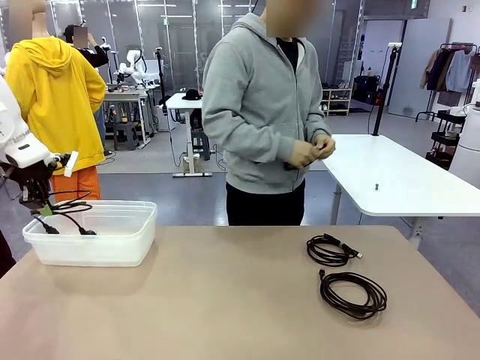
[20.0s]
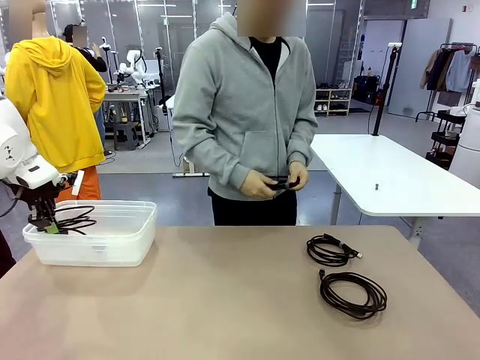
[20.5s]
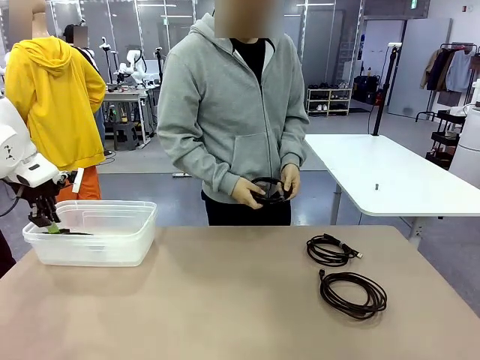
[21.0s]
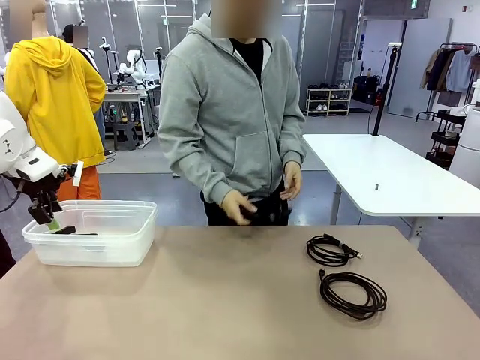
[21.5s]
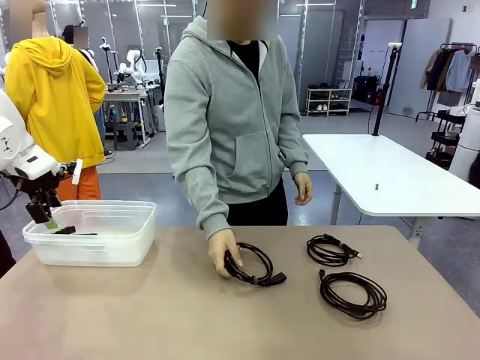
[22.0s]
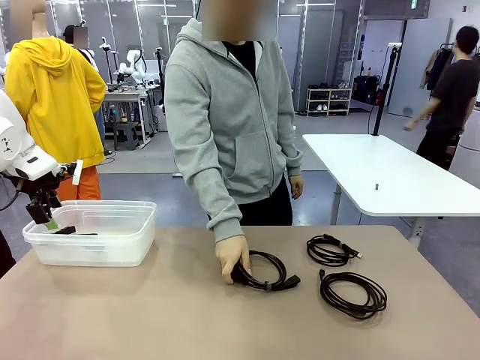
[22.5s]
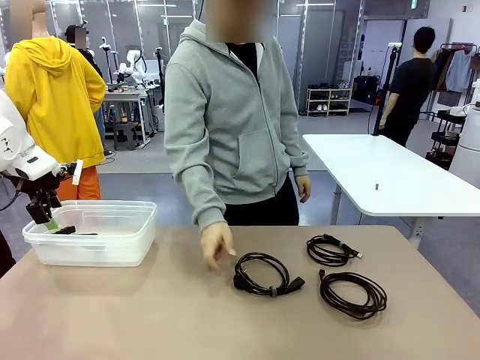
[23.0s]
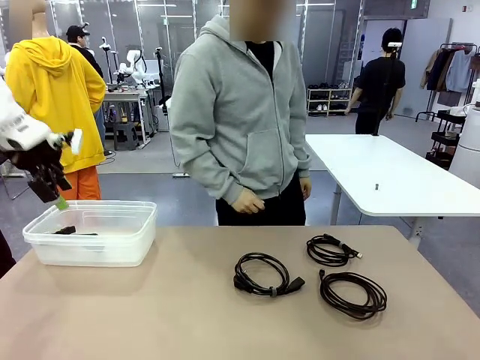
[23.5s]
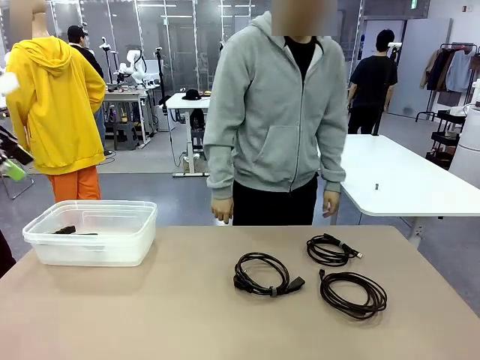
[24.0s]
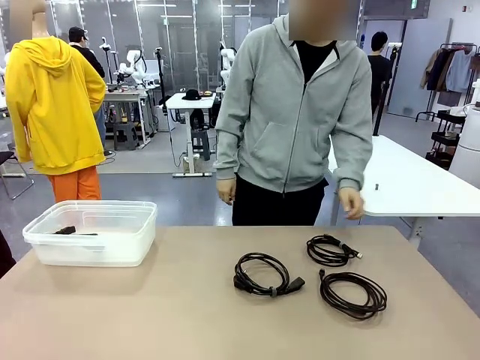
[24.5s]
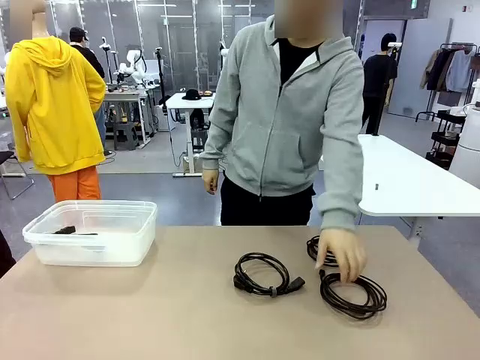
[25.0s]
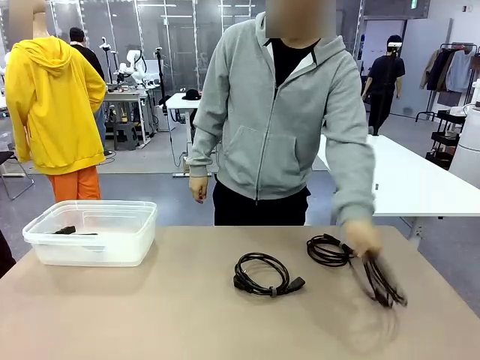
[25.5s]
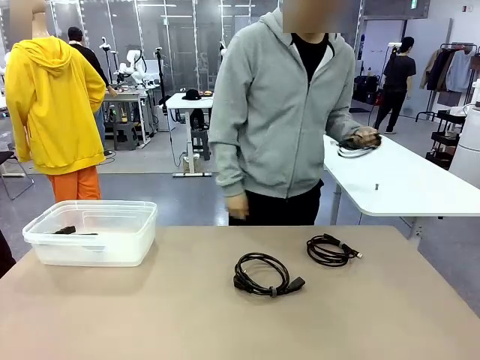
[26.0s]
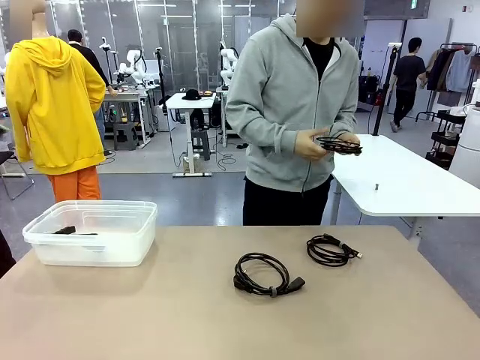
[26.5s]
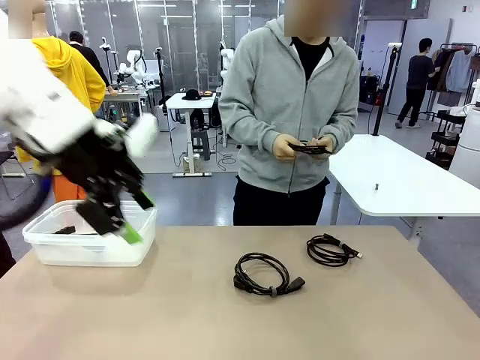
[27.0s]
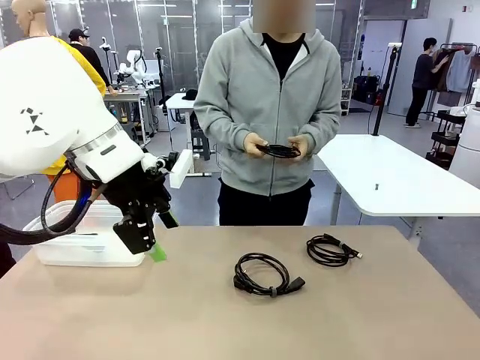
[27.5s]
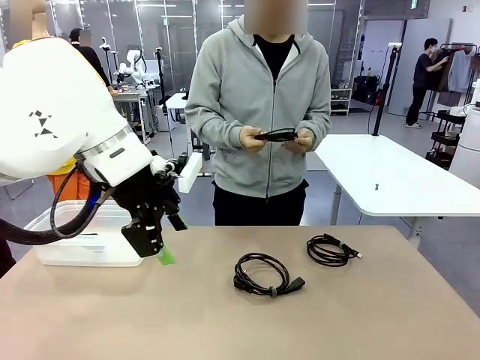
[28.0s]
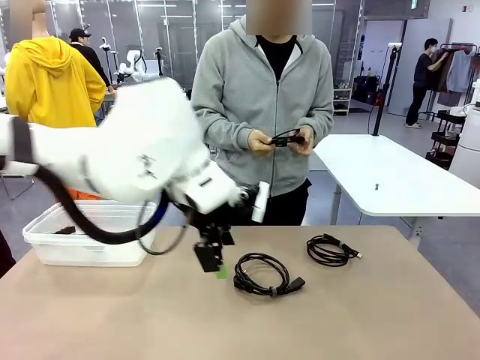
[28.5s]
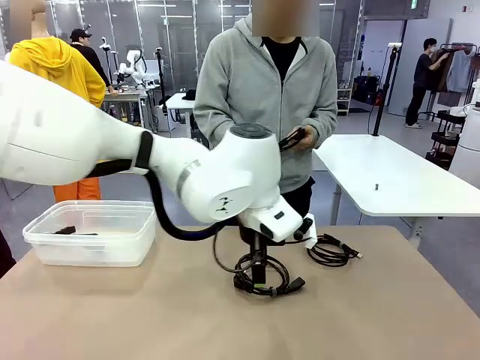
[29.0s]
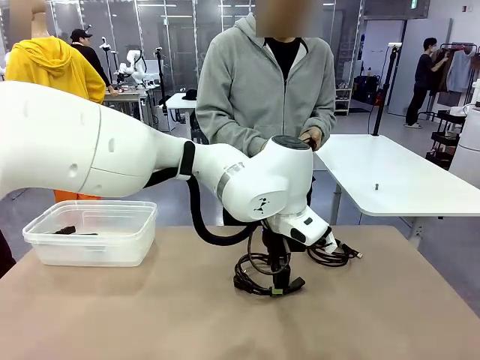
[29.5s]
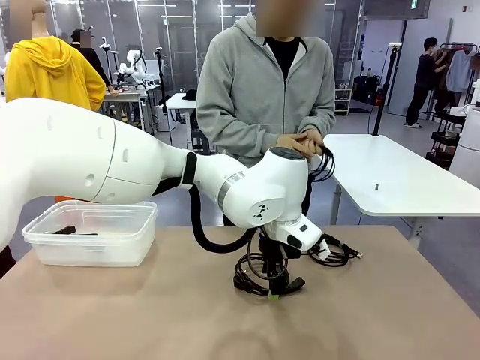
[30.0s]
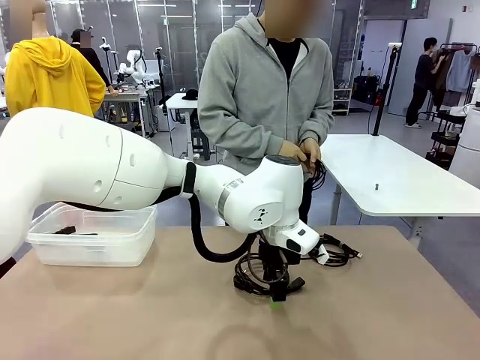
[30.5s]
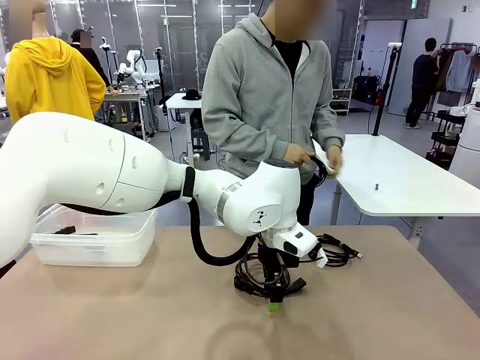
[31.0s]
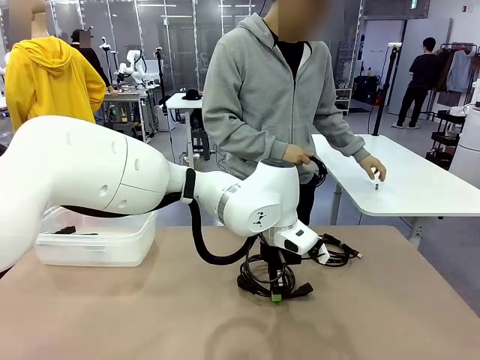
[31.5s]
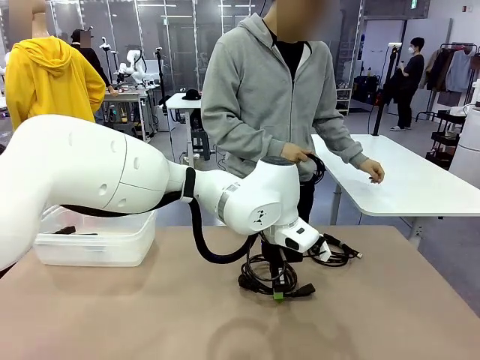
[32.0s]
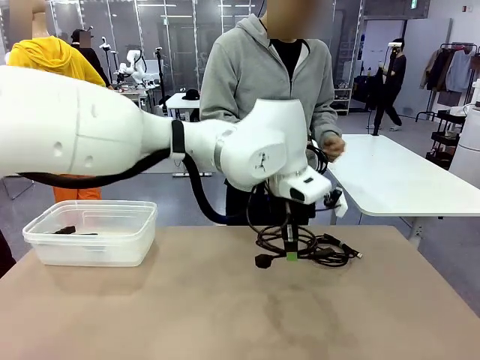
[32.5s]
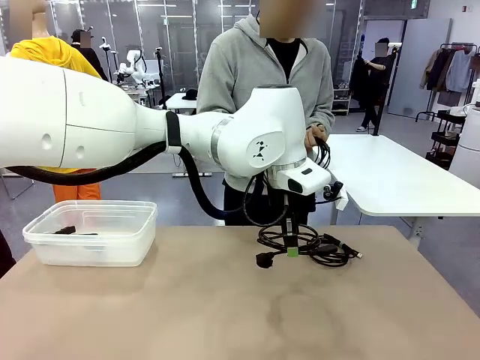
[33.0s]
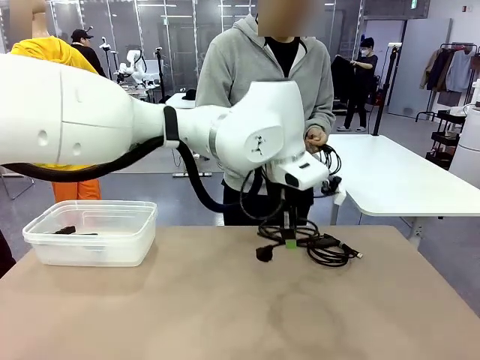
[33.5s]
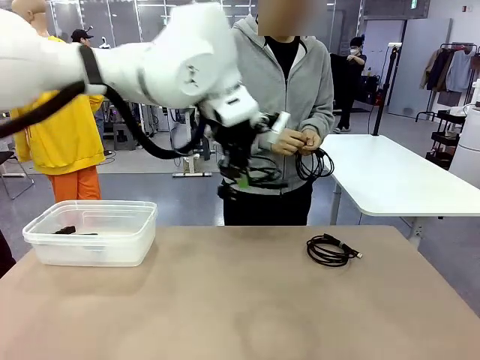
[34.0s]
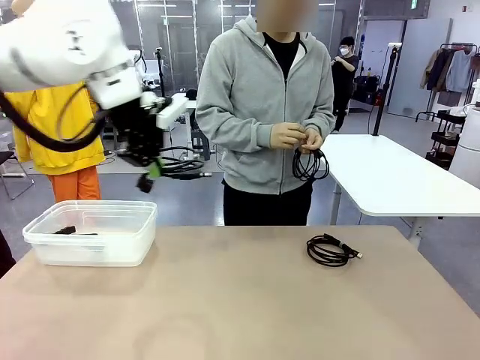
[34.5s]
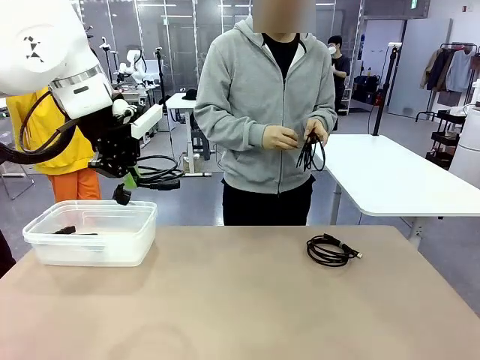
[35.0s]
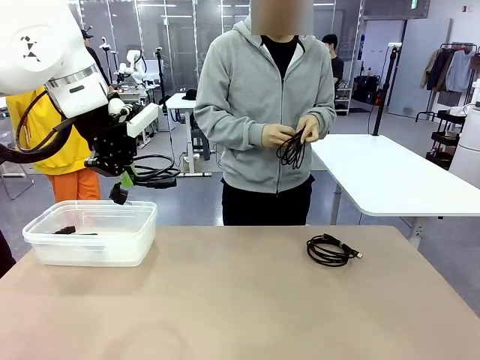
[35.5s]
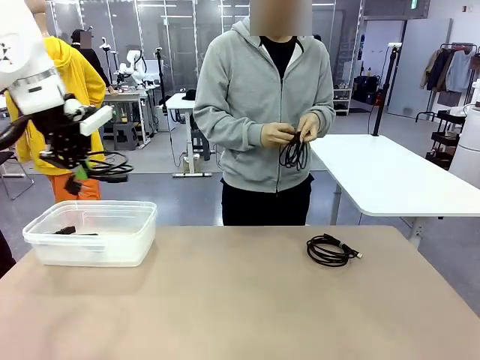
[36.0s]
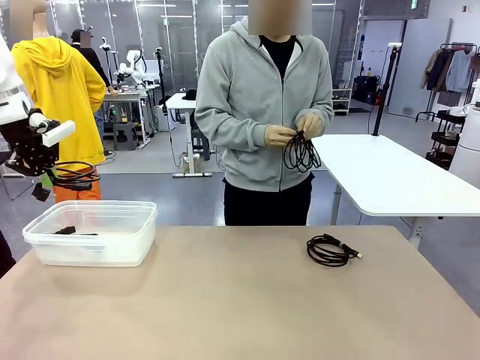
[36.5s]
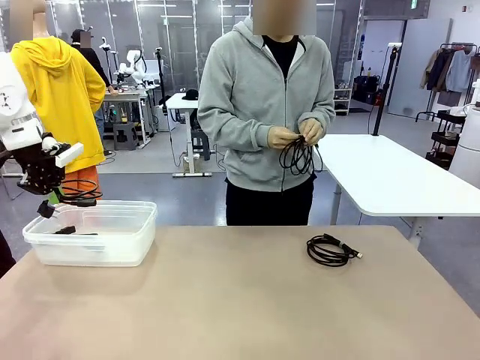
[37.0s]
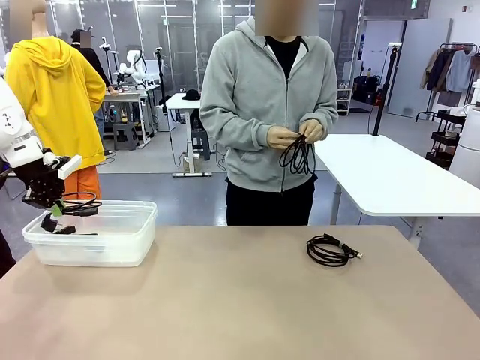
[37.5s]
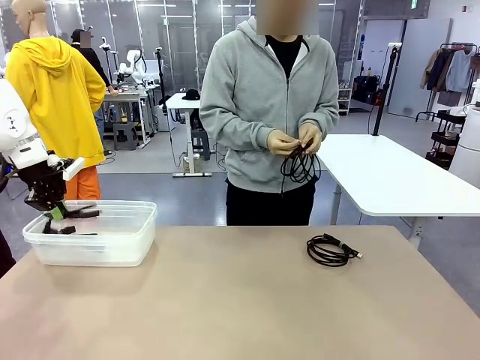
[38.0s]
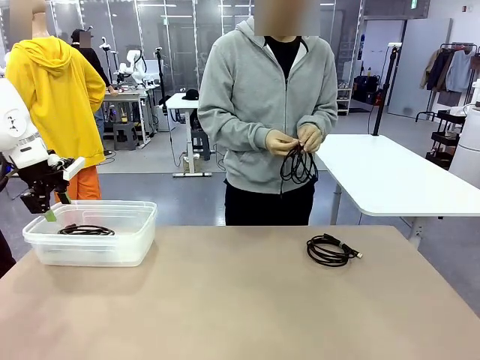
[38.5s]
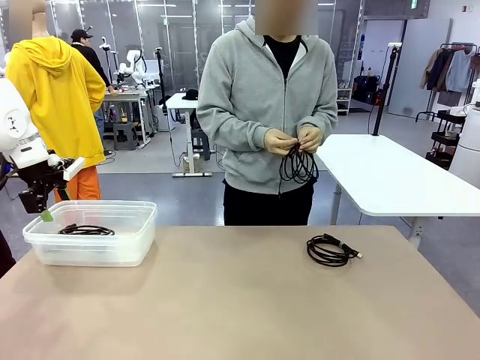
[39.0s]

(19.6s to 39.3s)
Task: Organize and store the cables.
Robot: Place the Power Cable into the Organizing box.

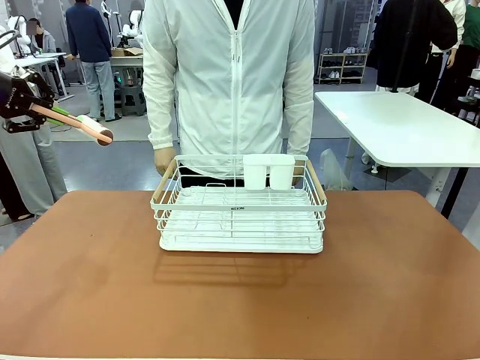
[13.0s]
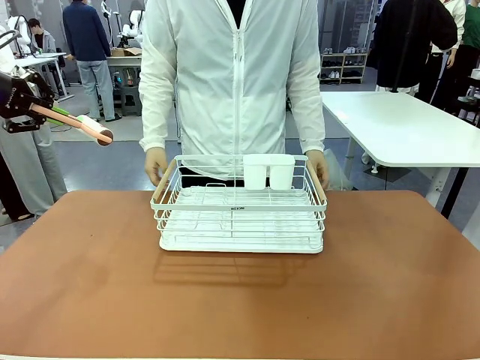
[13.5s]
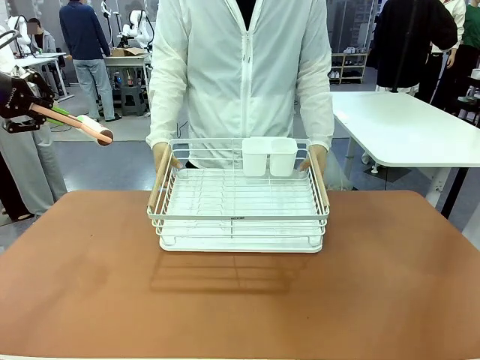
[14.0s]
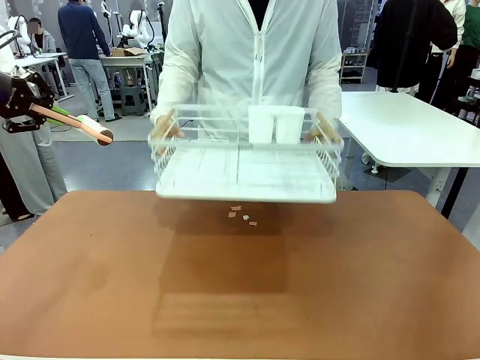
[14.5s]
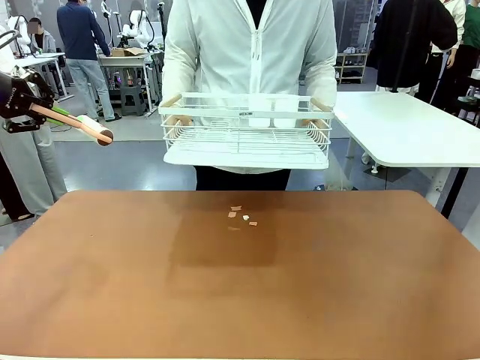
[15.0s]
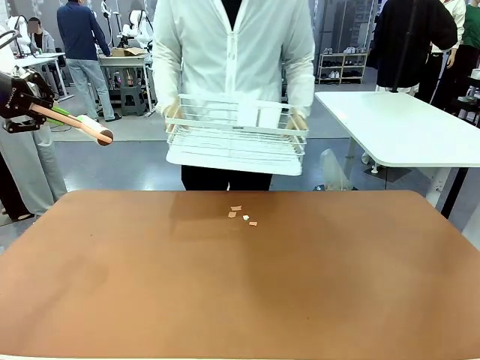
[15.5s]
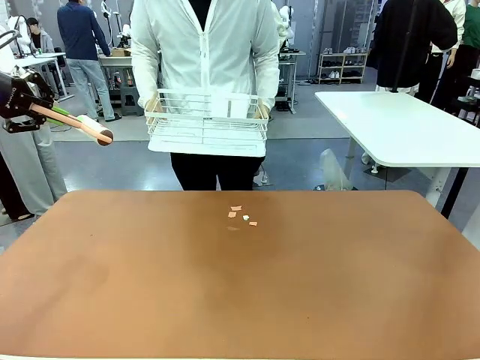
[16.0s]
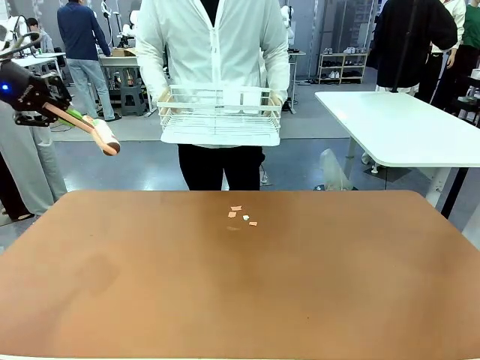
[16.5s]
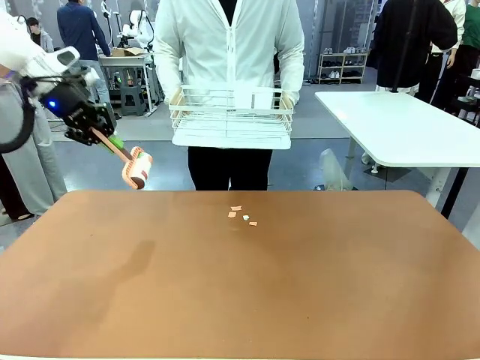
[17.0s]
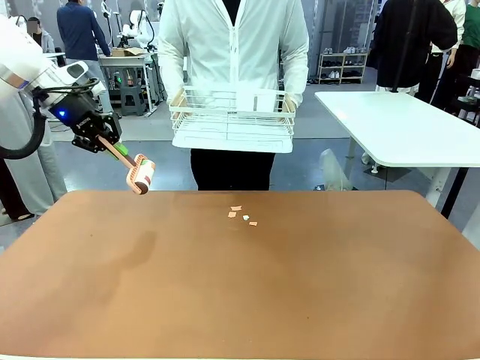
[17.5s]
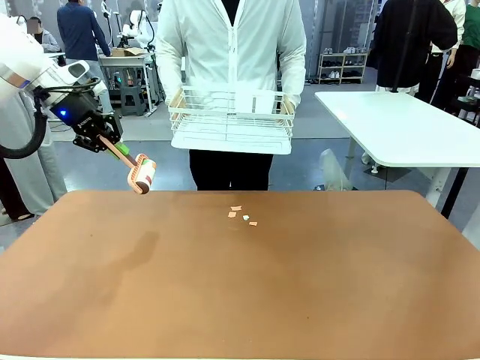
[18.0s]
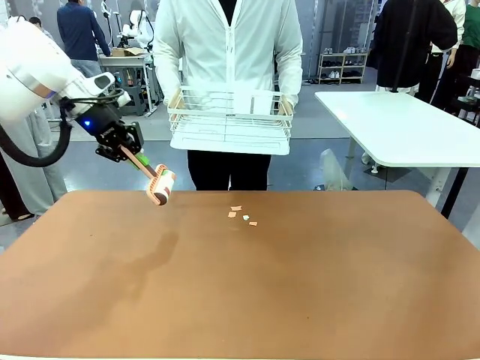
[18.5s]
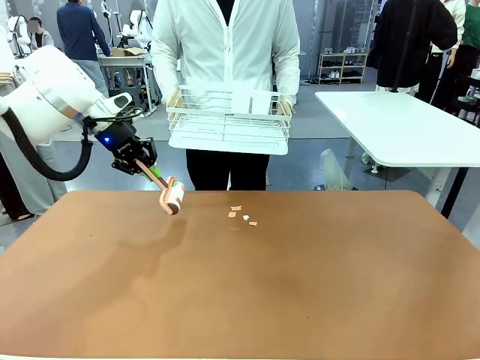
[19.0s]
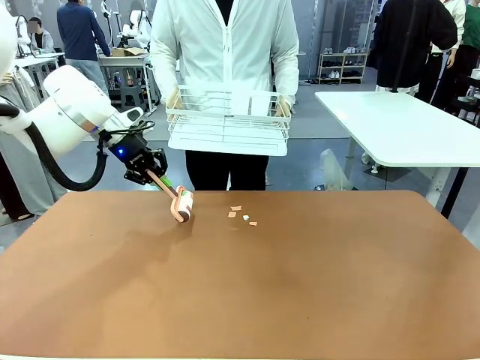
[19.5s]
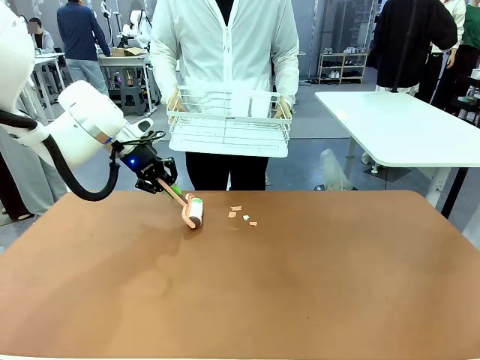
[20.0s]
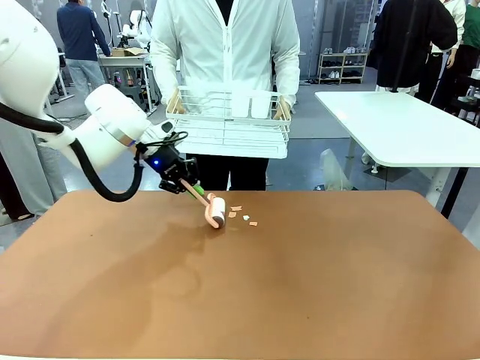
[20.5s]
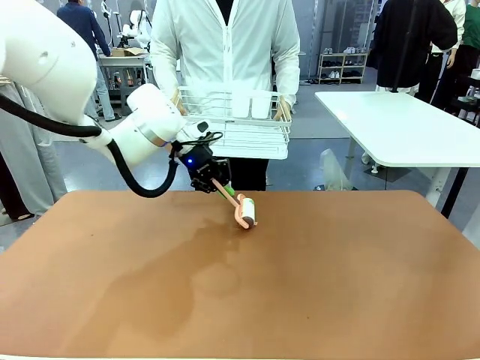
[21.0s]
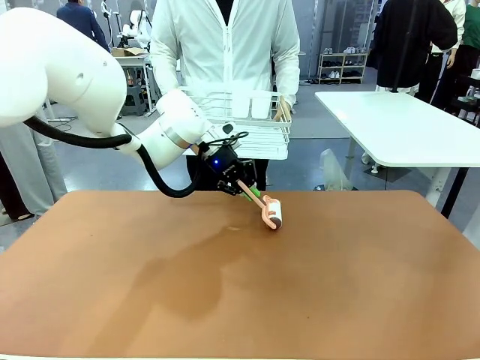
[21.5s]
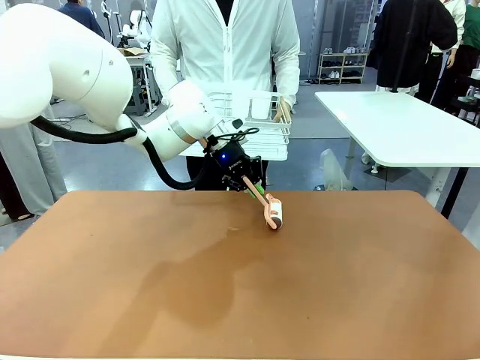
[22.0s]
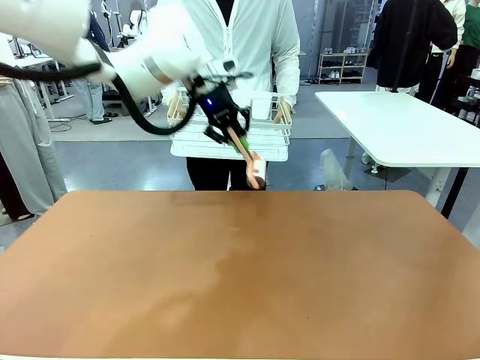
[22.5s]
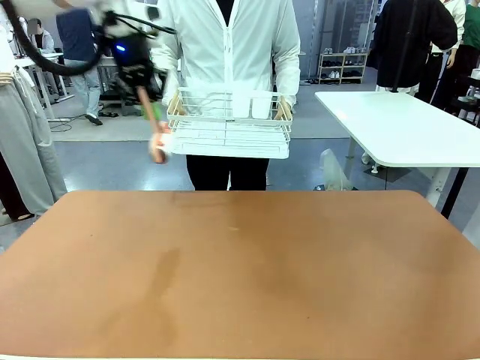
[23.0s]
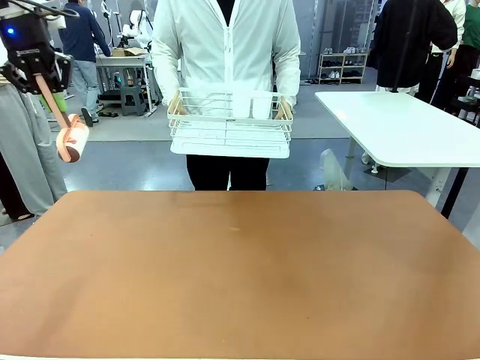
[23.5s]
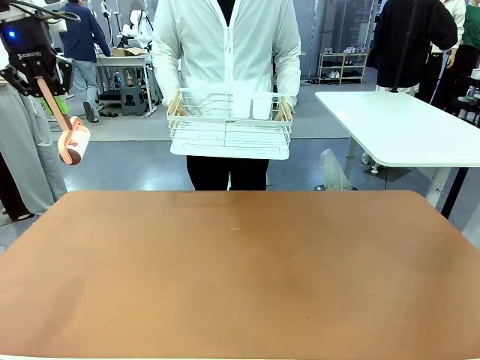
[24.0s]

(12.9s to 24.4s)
Task: Clean the table.
Robot: Clean the table with the Lint Roller when the human lifts the Dish drying rack.
